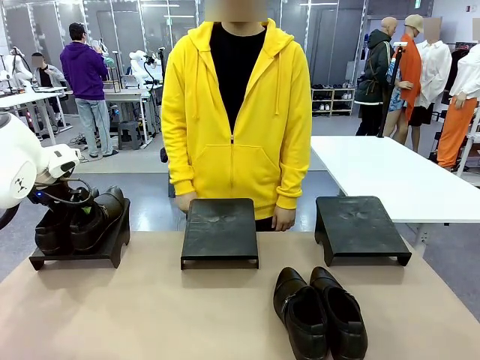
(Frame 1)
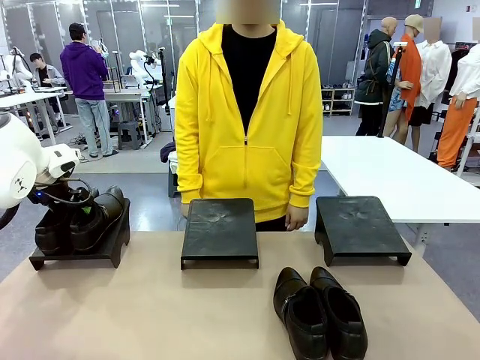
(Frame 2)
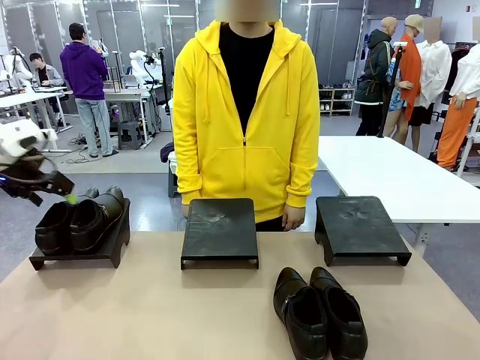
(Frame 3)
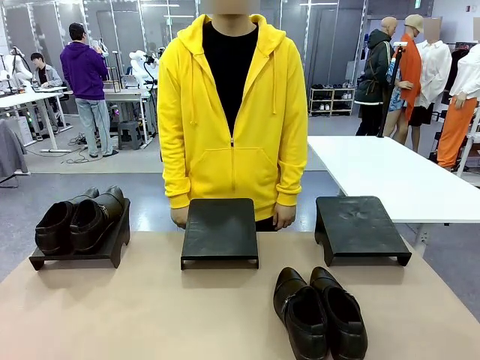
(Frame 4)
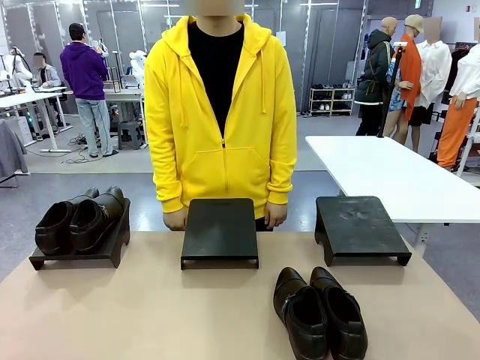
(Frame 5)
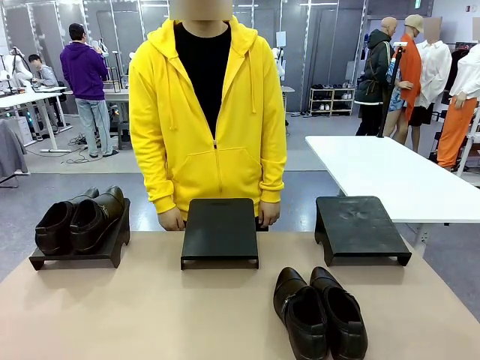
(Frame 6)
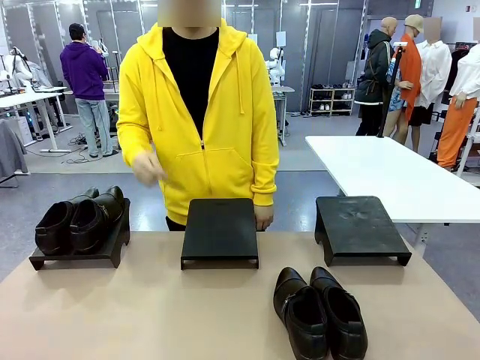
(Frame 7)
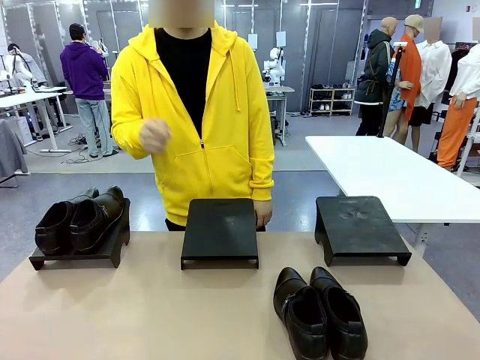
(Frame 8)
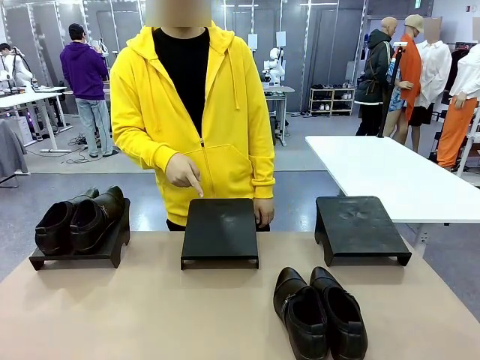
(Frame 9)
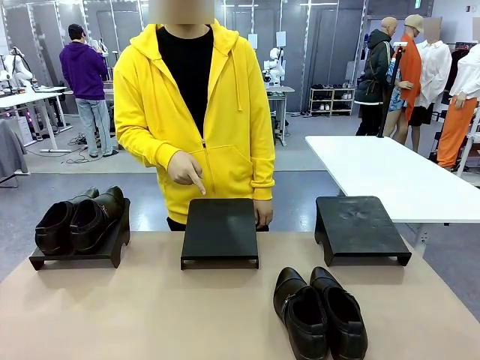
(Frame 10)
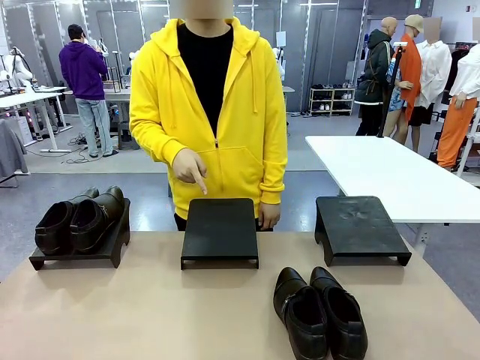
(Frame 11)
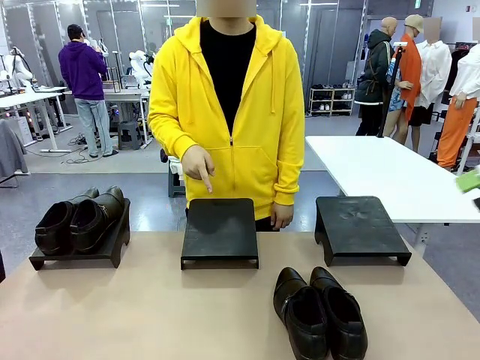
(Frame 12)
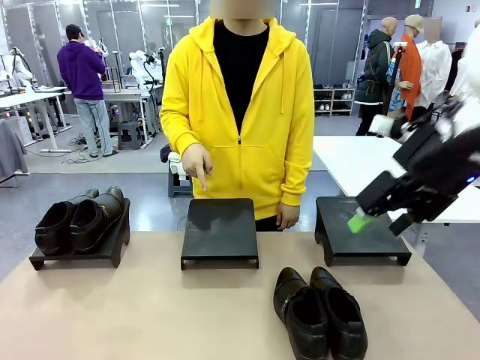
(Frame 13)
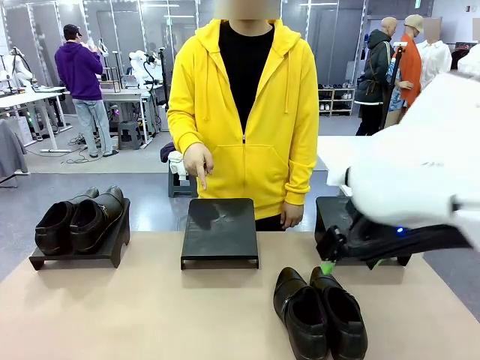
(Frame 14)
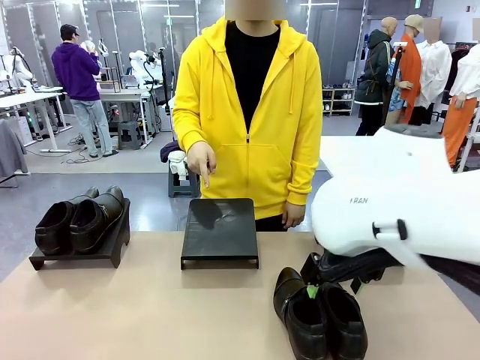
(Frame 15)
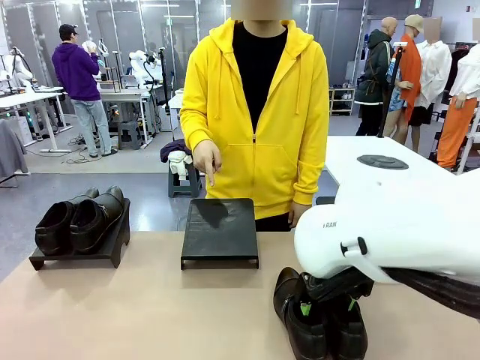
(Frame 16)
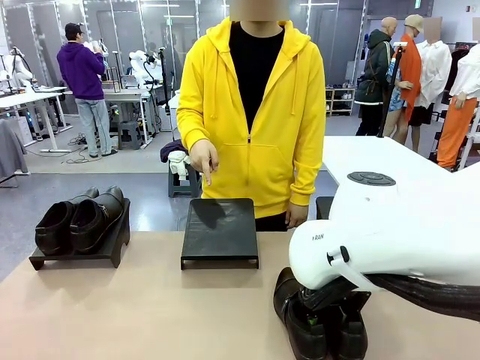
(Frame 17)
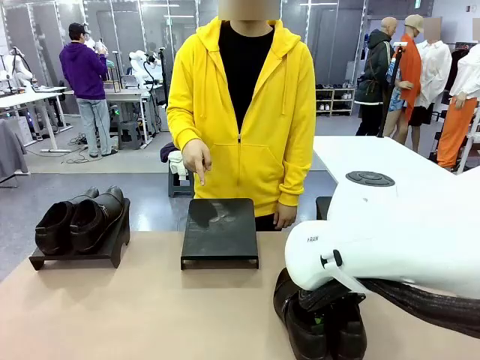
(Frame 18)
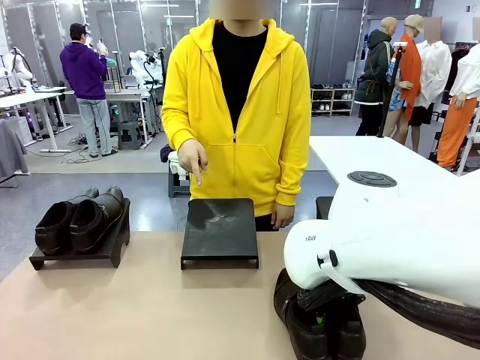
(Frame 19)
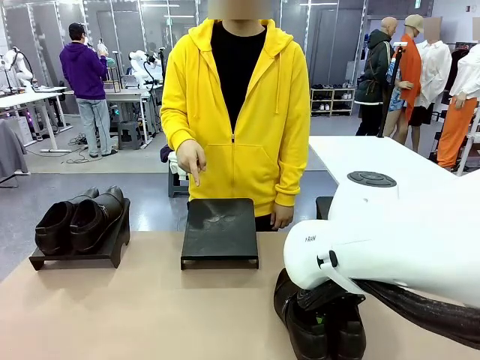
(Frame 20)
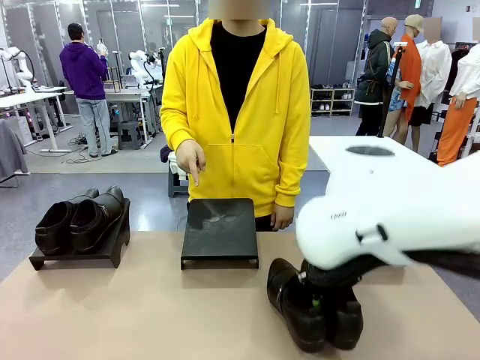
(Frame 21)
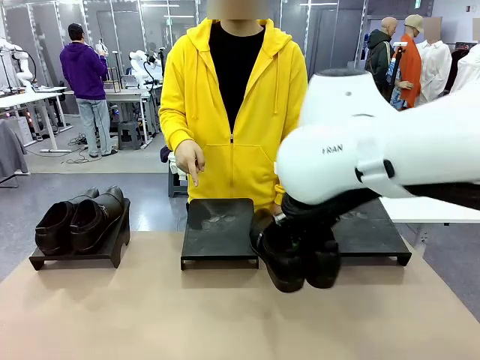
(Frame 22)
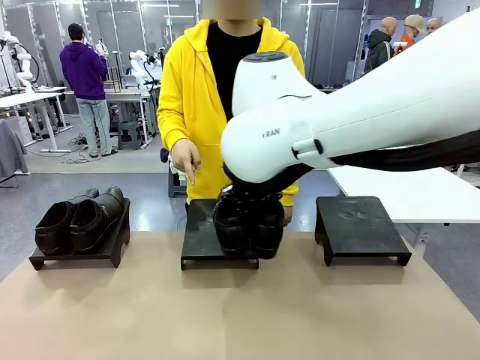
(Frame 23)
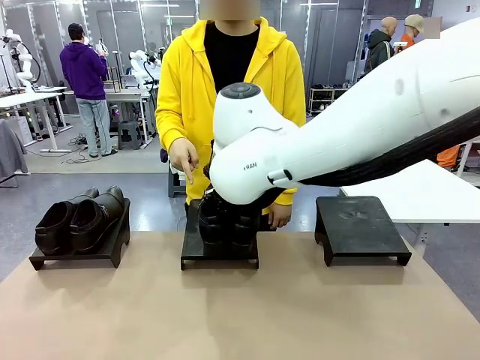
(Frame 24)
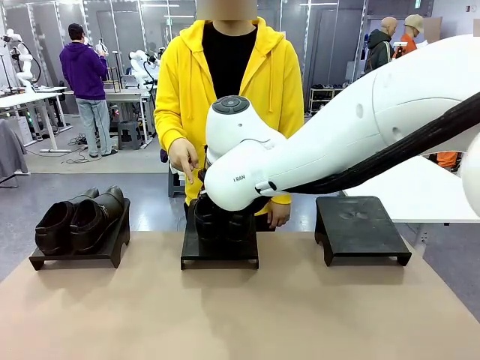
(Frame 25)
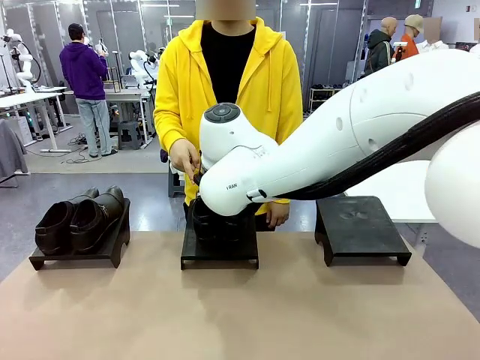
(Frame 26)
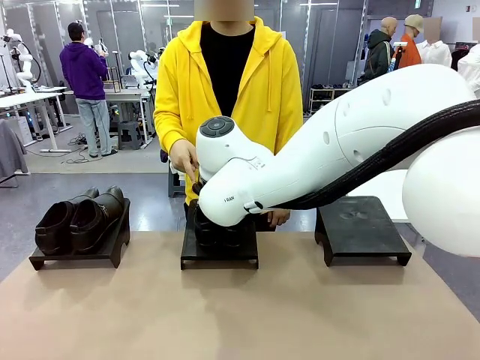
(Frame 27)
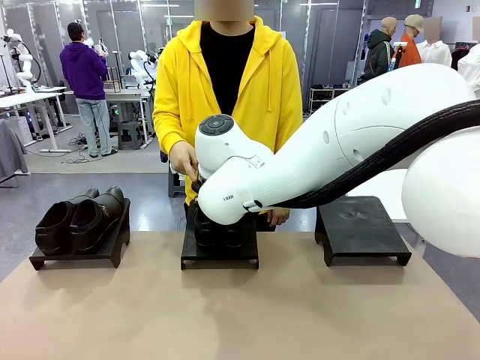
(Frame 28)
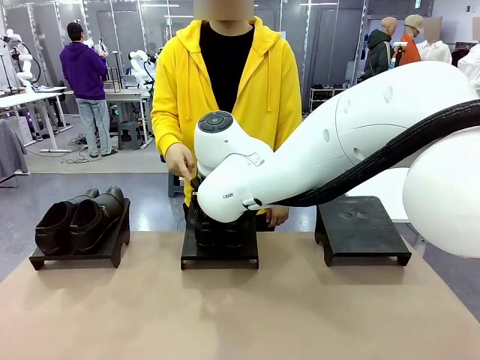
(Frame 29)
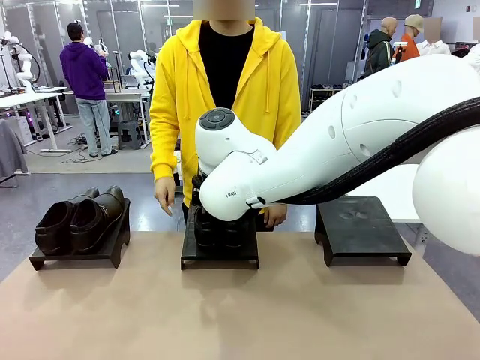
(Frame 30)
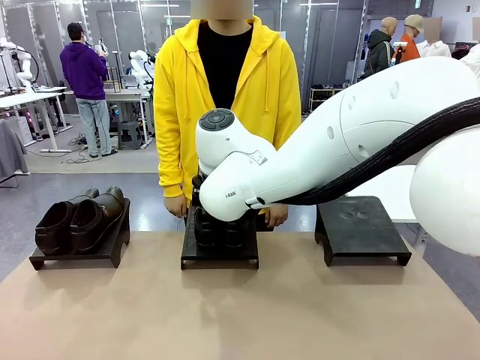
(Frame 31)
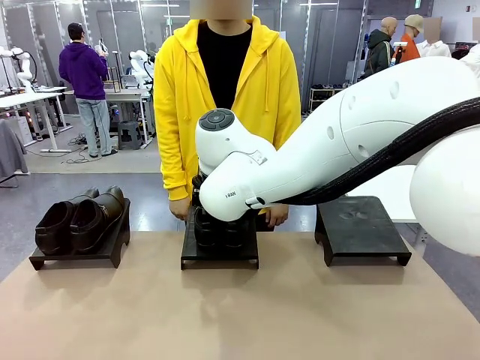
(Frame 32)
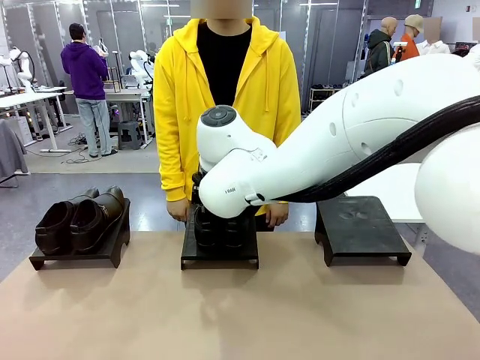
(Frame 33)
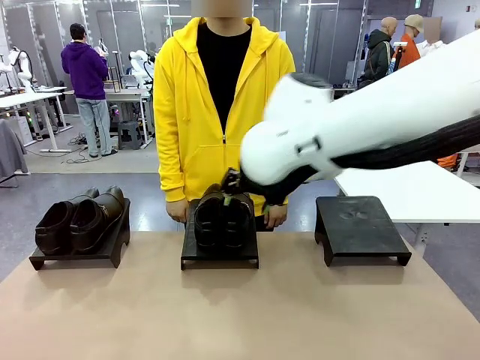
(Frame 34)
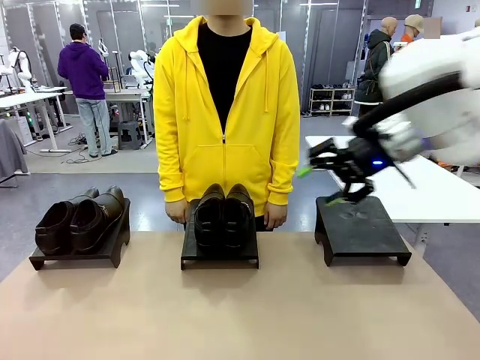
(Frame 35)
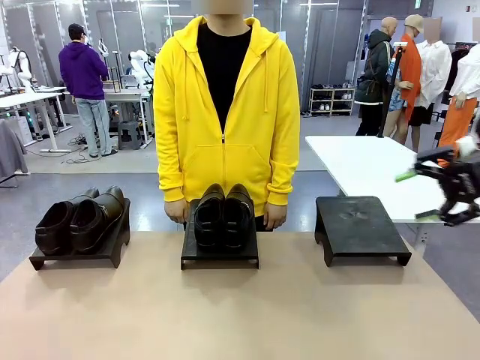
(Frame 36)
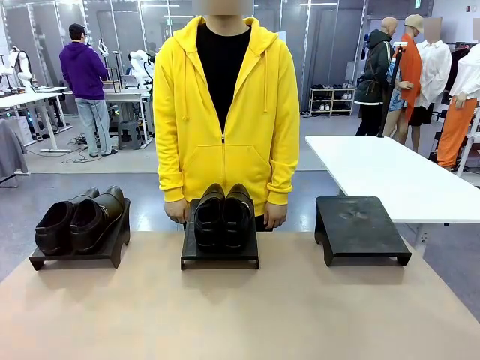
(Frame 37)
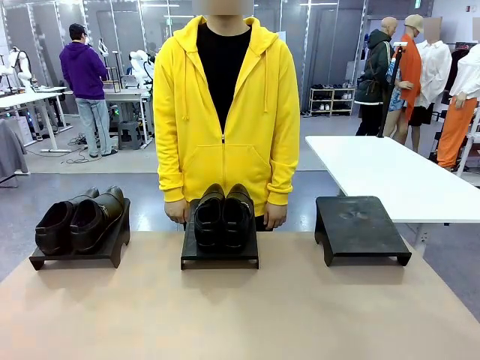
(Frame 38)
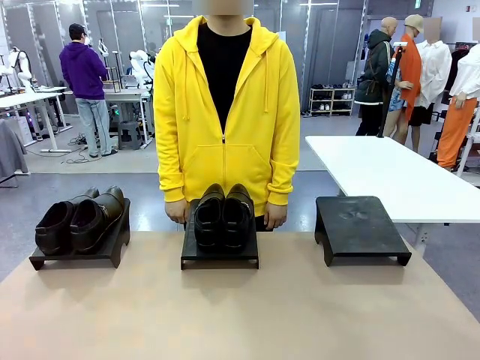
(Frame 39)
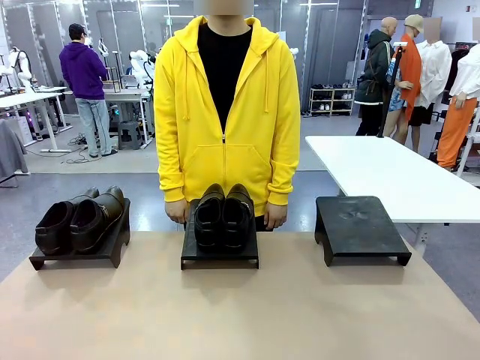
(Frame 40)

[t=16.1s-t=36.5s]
Task: Place the shoes on the stand as instructed by the person.
Robot: Pick up another pair of Shoes and place it on the Shoes Stand indicated by the person.
Person: Point to one Shoes Stand.
